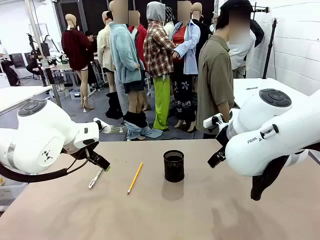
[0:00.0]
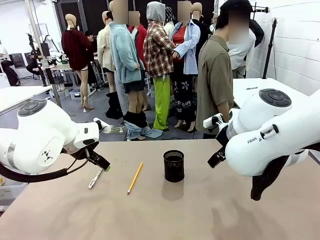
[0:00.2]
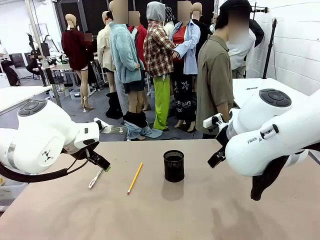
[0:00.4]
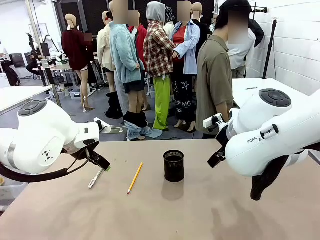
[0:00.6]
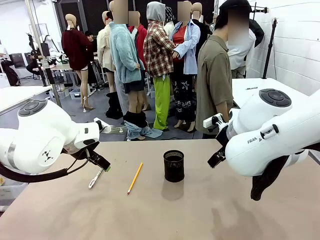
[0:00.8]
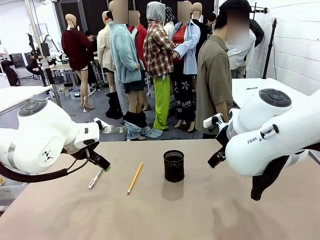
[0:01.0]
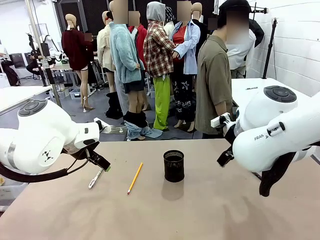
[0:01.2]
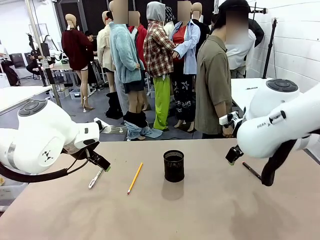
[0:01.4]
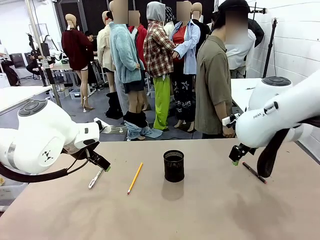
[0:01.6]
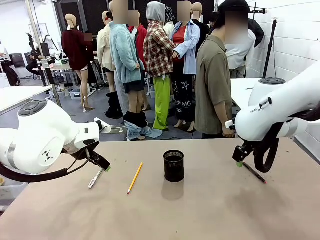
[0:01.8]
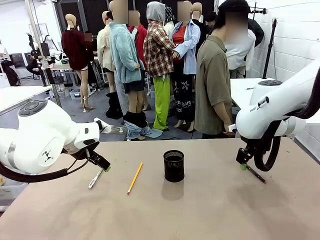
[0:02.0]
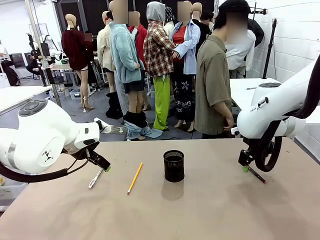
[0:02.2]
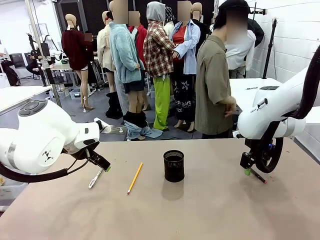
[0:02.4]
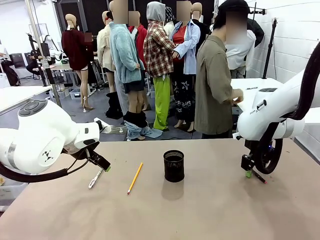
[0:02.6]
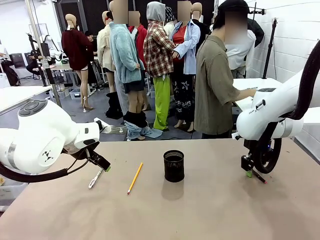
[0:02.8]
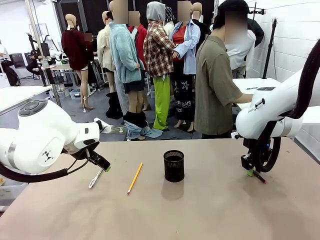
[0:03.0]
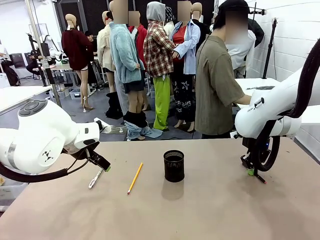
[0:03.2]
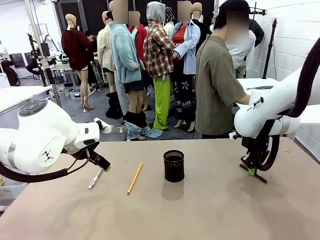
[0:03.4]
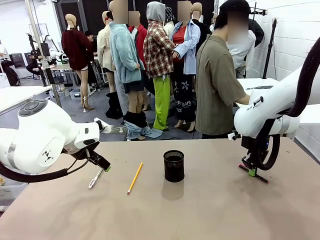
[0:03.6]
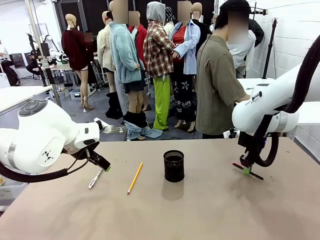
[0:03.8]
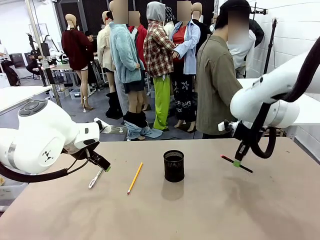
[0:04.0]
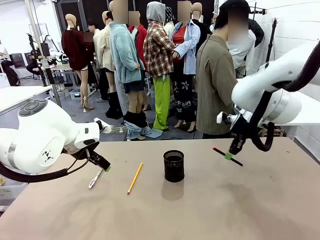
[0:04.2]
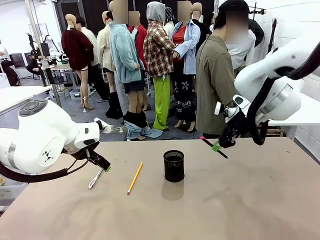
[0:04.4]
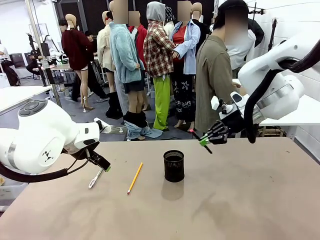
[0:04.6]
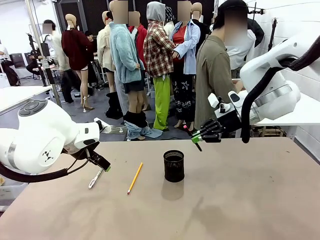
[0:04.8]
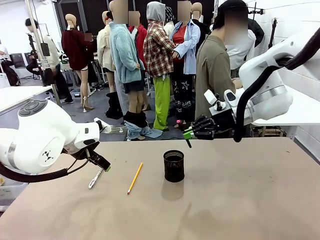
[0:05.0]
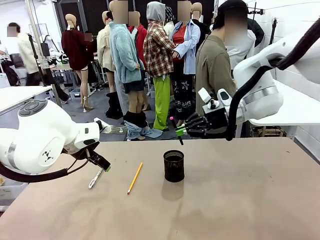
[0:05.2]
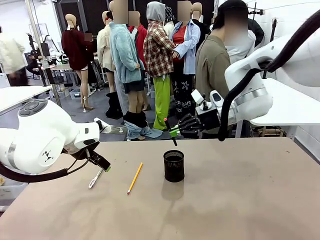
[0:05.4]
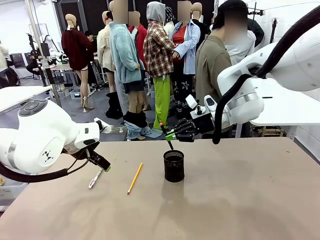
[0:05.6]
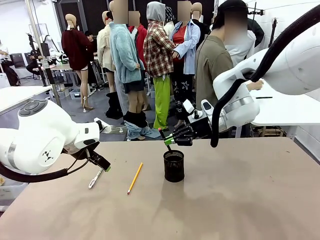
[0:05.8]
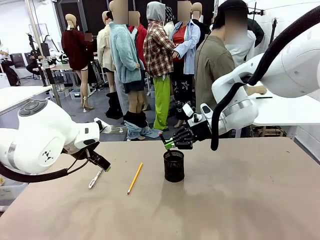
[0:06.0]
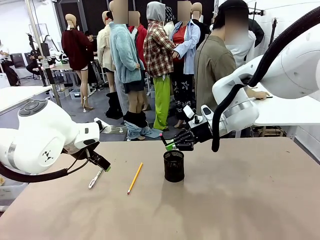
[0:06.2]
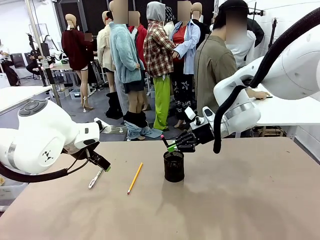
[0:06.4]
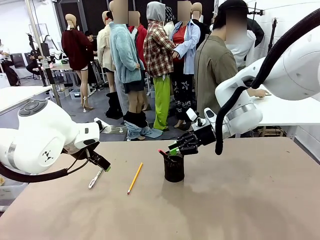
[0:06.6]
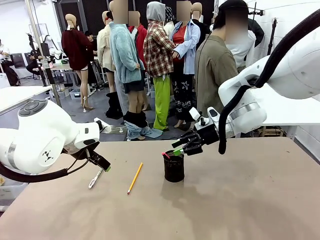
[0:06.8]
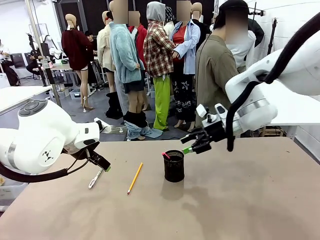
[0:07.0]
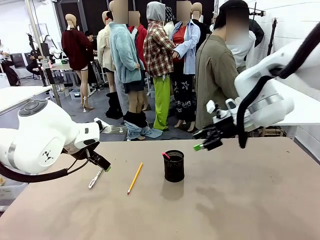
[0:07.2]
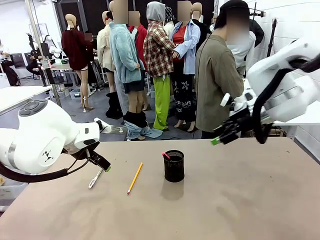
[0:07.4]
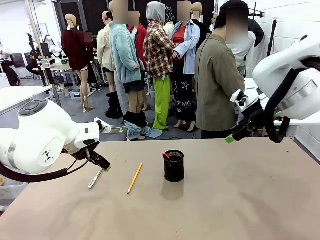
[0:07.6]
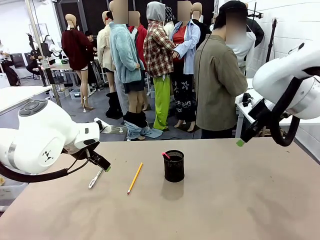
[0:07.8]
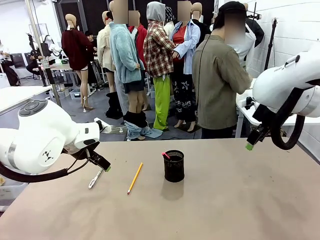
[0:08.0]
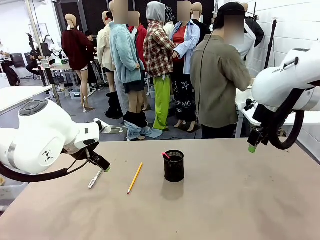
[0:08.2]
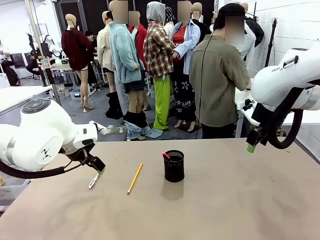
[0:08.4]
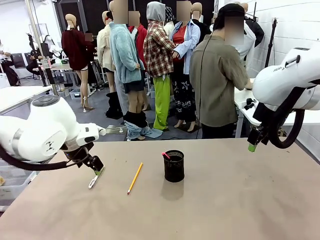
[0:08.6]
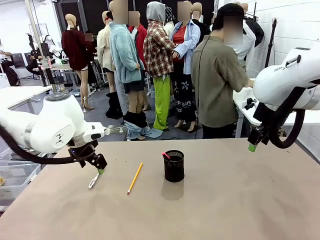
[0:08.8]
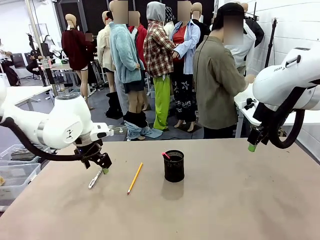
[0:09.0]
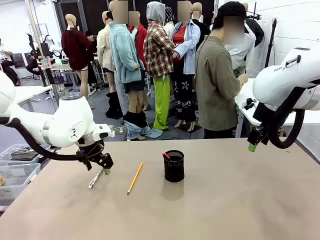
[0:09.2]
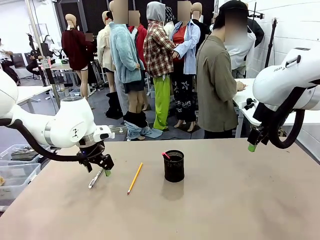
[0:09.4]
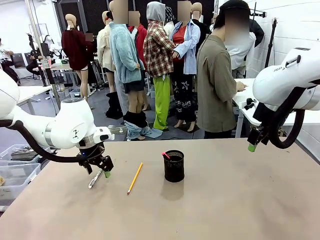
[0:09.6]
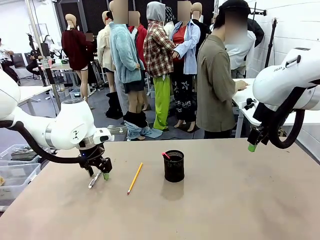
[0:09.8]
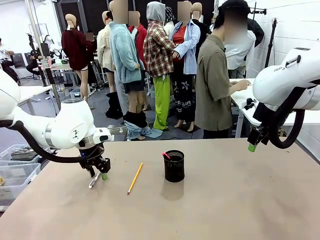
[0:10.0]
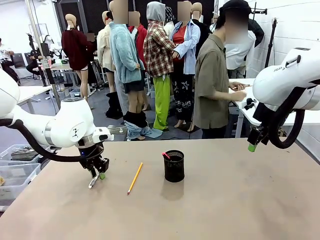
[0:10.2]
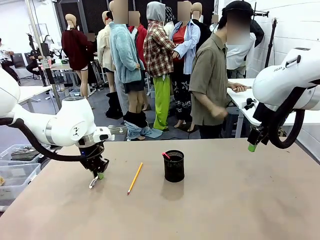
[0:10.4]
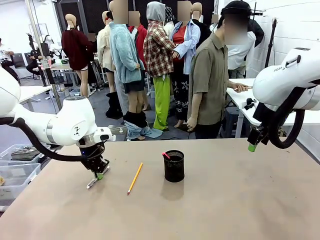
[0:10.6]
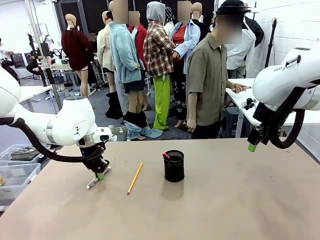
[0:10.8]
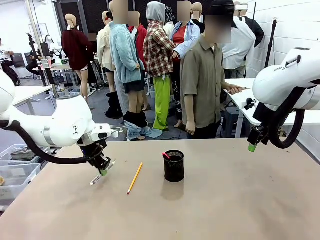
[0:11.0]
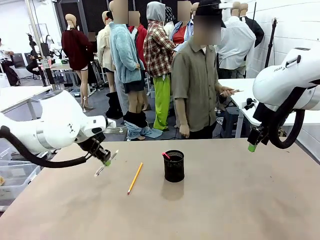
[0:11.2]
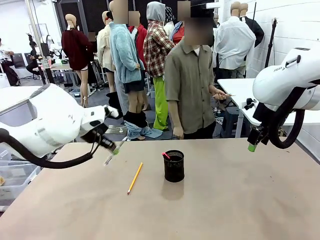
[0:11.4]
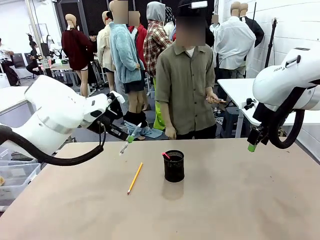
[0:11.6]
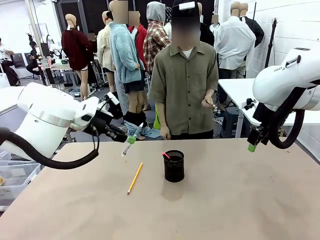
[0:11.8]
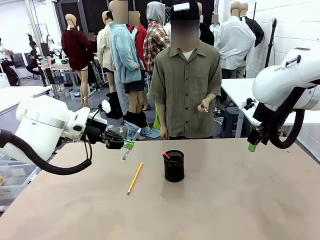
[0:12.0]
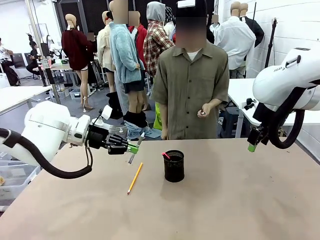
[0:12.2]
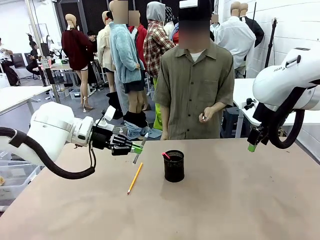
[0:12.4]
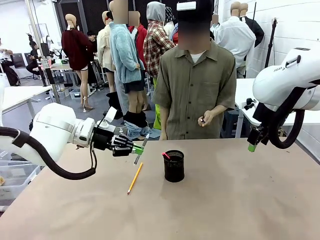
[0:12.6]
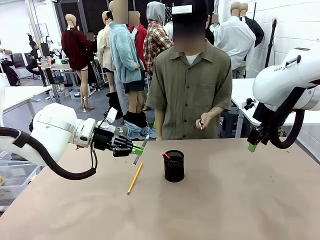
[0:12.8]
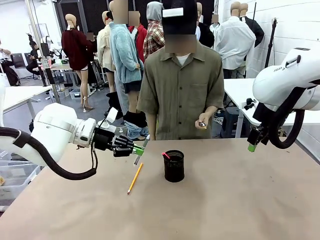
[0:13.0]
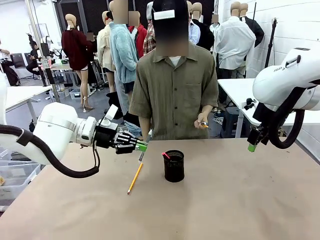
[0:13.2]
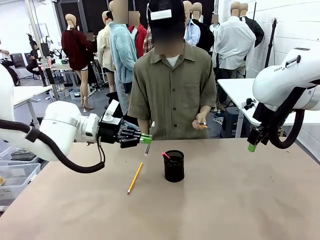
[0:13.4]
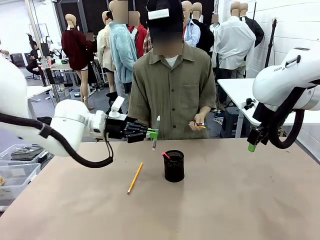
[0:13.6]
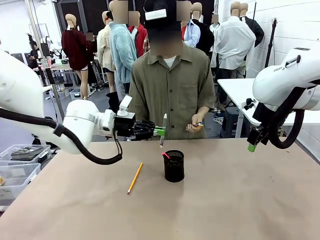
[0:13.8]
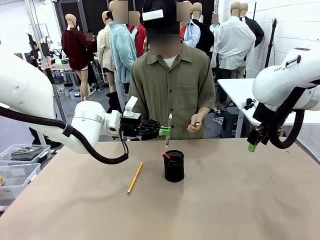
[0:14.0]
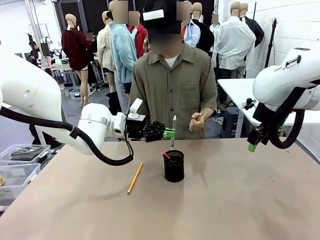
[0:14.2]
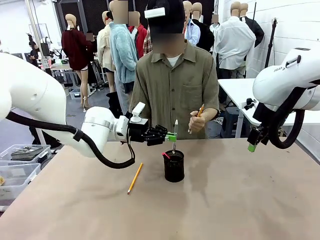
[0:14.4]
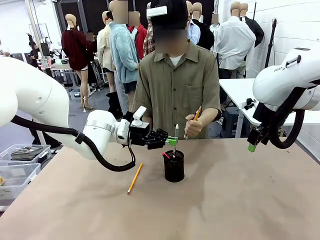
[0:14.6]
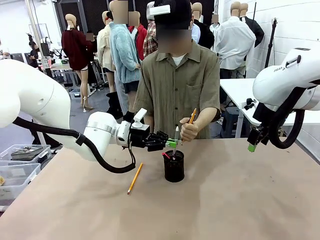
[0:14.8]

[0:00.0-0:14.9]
Task: Place the pens into the pen holder.
Robot: Pick up a writing instrument from the table and place it into the Pen holder.
Person: Pick up all writing instruments from the Human table.

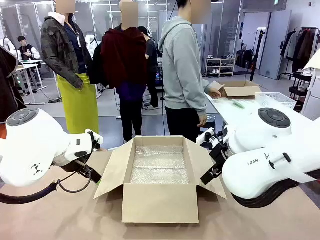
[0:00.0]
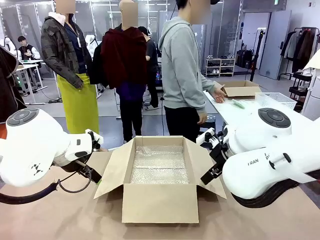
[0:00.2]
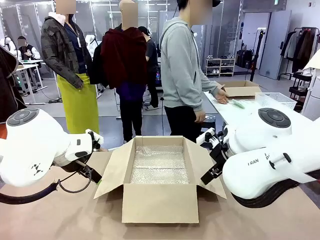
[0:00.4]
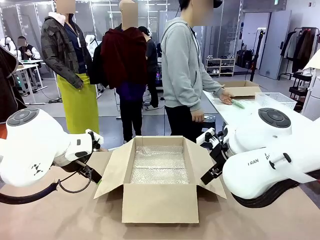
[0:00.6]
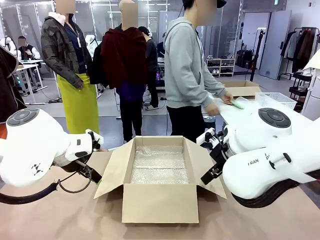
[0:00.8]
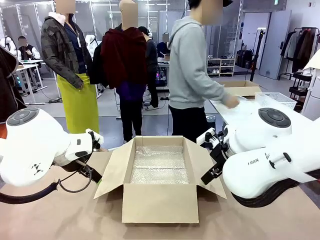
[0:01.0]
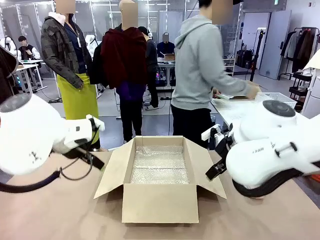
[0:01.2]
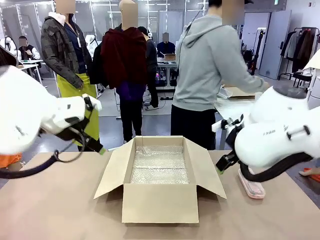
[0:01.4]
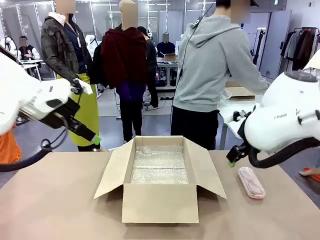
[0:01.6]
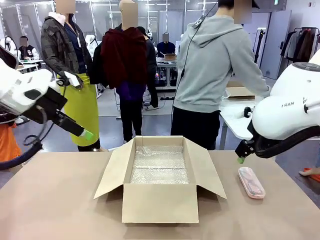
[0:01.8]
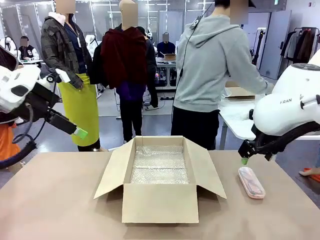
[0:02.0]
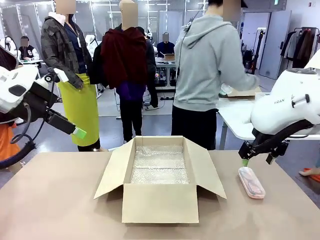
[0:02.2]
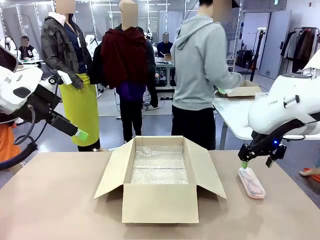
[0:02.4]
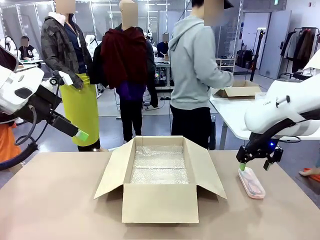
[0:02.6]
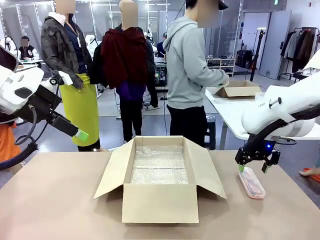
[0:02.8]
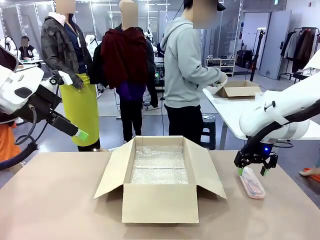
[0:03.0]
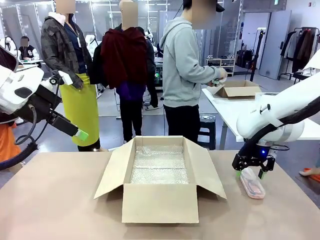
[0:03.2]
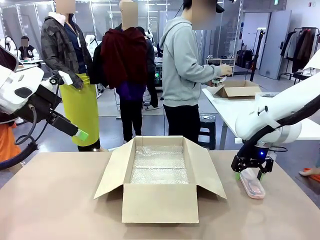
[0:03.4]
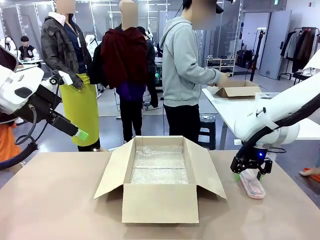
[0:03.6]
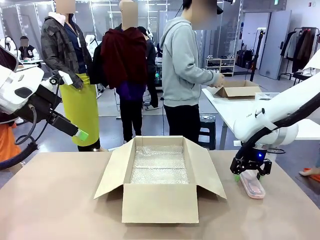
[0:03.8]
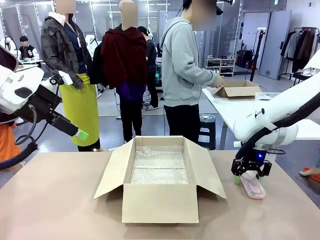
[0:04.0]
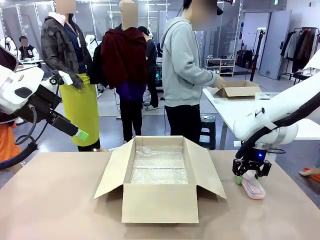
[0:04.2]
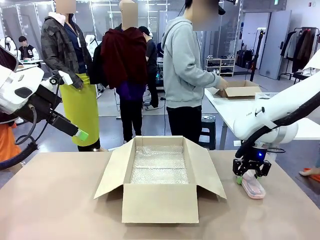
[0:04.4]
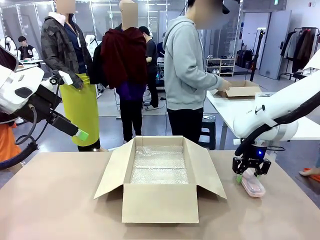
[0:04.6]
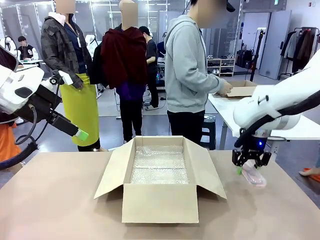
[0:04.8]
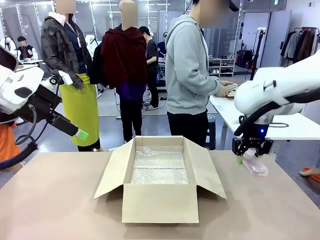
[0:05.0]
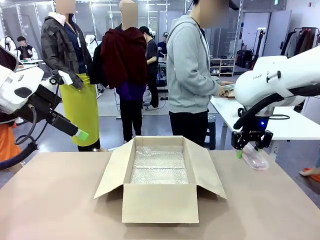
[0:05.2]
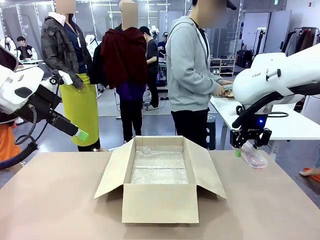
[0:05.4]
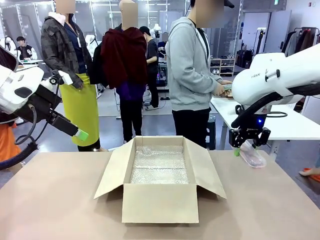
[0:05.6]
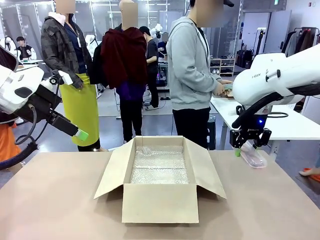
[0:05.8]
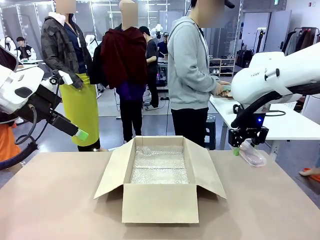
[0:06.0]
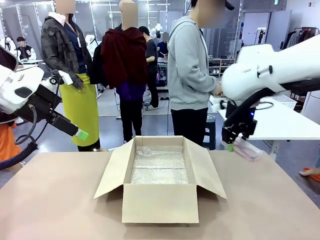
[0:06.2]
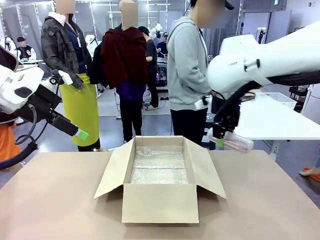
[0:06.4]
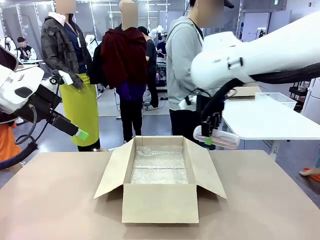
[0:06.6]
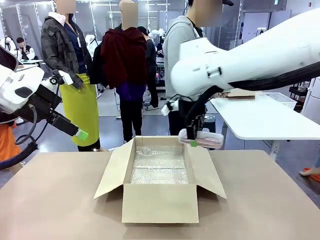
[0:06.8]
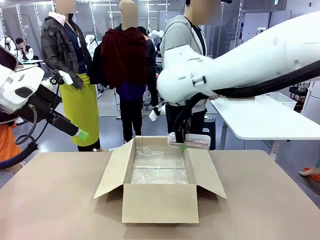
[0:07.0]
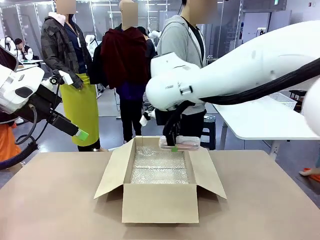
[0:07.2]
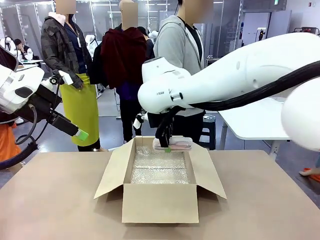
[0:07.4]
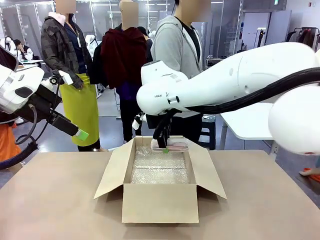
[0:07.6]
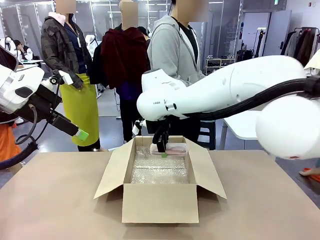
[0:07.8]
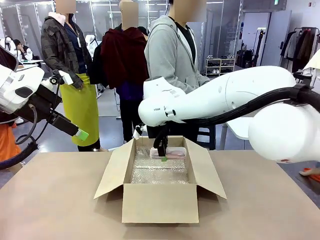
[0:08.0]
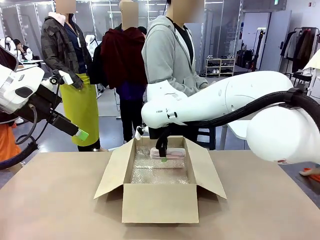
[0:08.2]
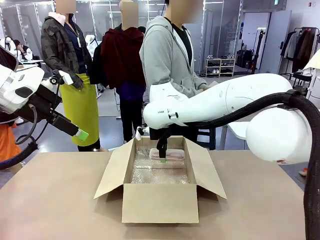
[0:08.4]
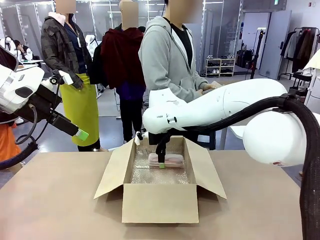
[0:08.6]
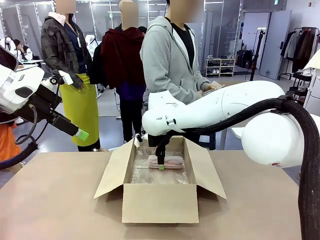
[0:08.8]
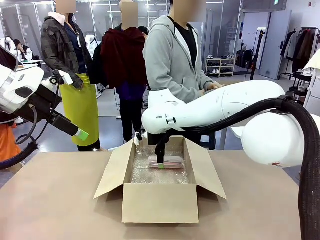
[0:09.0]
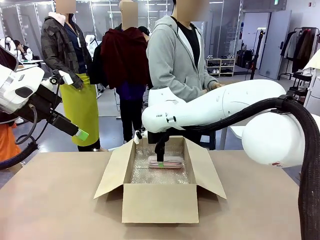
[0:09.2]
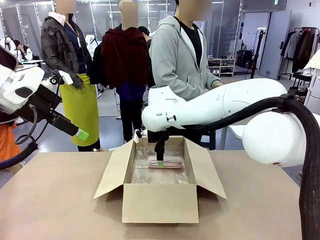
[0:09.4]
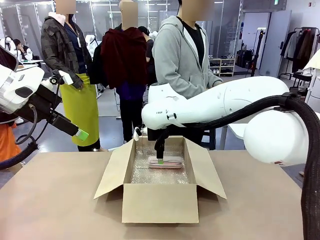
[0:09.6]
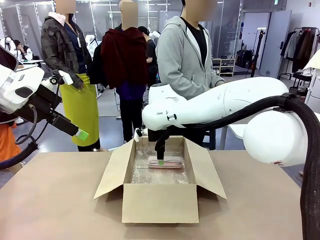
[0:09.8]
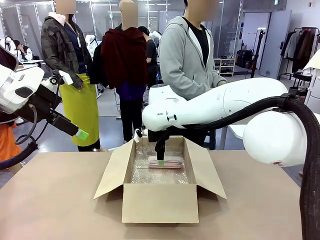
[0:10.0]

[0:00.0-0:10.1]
Task: Pack the glasses set securely to prepare it for shipping.
Robot: Place the Glasses case inside the Package Box.
Person: Place the Glasses inside the Glasses case.
